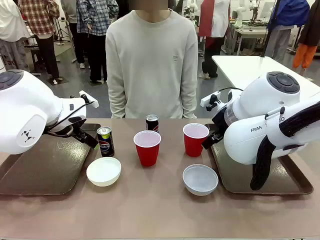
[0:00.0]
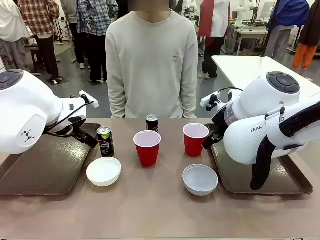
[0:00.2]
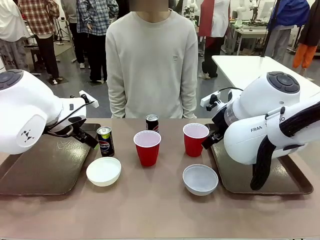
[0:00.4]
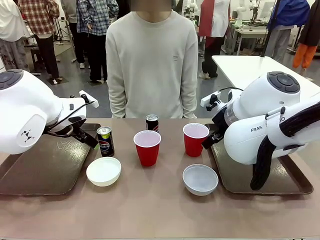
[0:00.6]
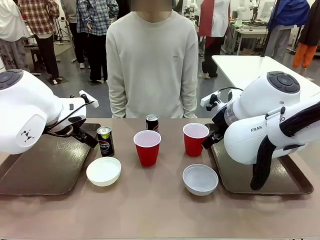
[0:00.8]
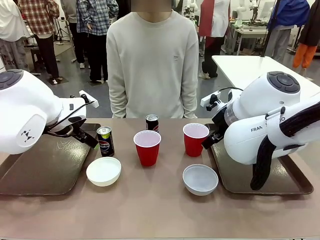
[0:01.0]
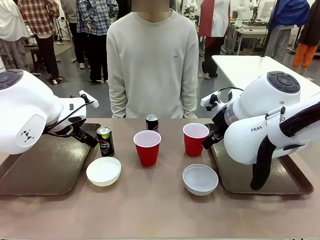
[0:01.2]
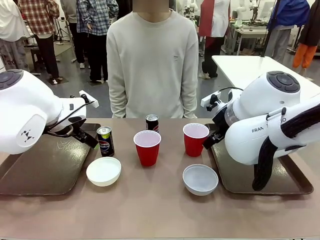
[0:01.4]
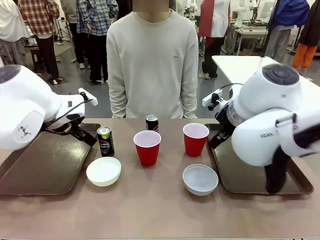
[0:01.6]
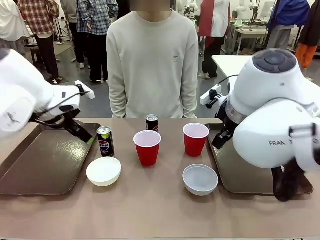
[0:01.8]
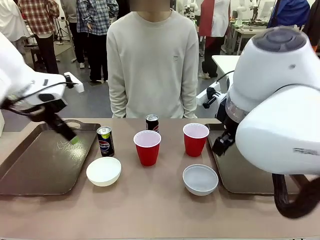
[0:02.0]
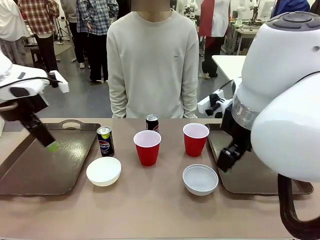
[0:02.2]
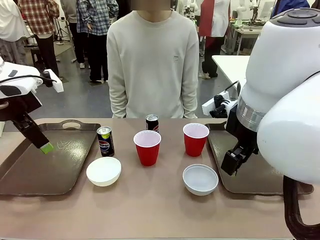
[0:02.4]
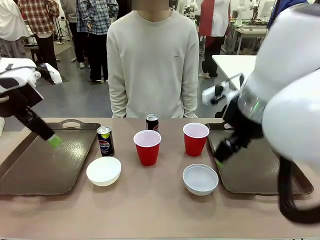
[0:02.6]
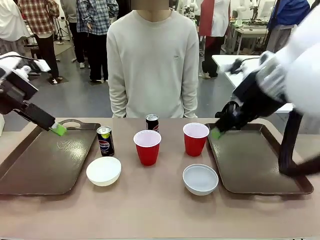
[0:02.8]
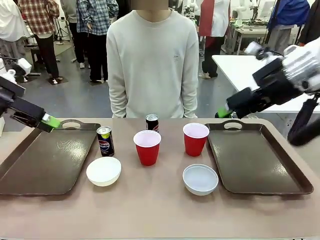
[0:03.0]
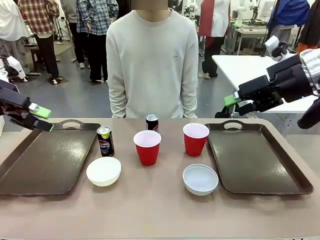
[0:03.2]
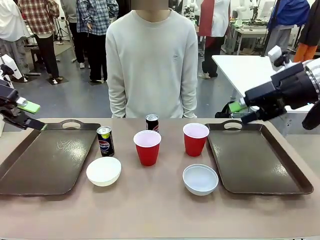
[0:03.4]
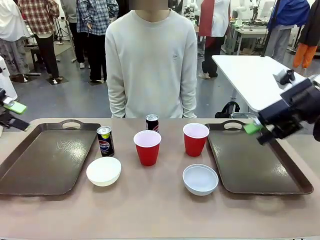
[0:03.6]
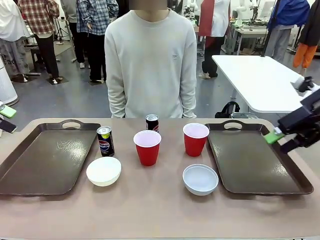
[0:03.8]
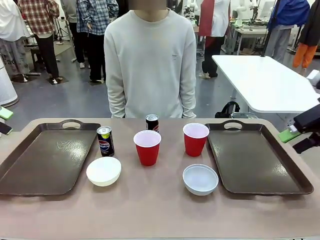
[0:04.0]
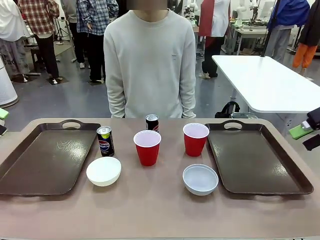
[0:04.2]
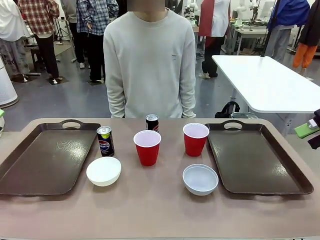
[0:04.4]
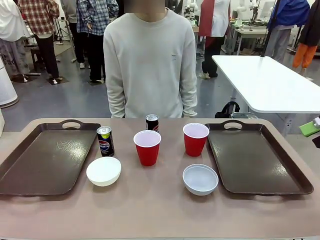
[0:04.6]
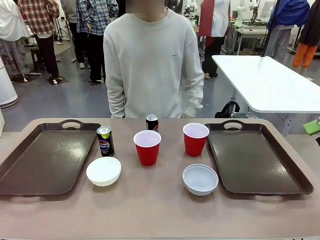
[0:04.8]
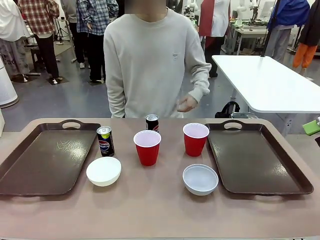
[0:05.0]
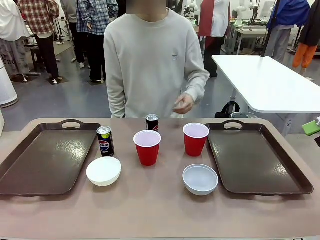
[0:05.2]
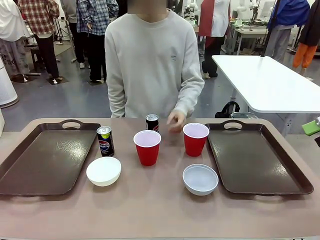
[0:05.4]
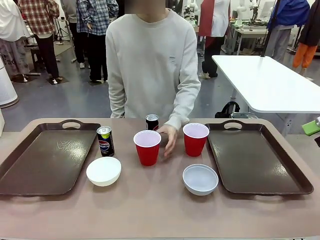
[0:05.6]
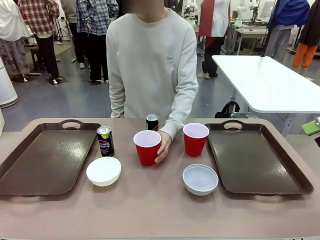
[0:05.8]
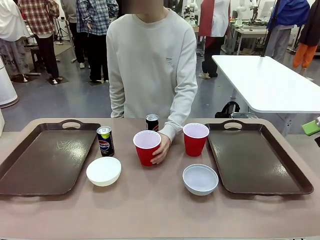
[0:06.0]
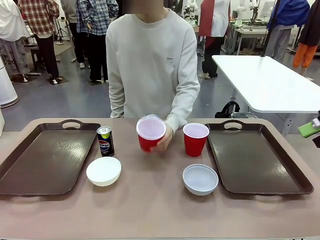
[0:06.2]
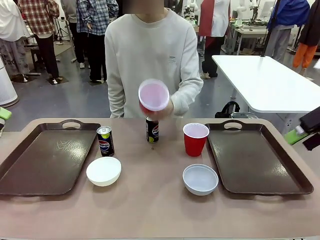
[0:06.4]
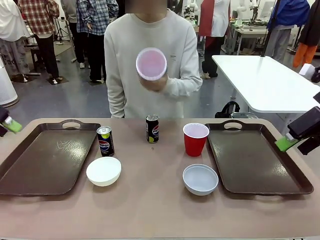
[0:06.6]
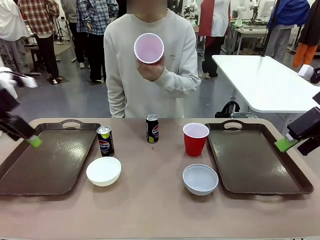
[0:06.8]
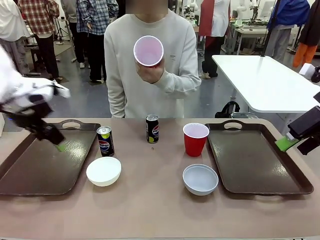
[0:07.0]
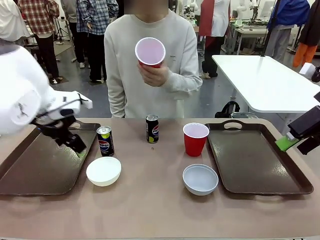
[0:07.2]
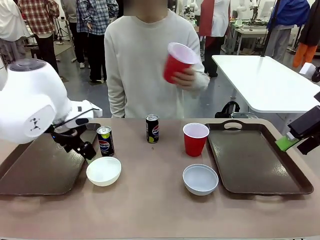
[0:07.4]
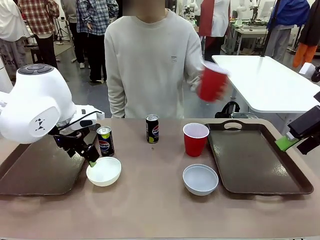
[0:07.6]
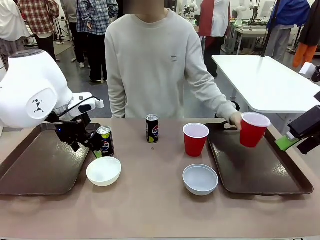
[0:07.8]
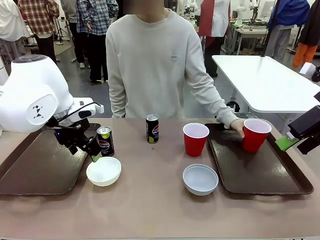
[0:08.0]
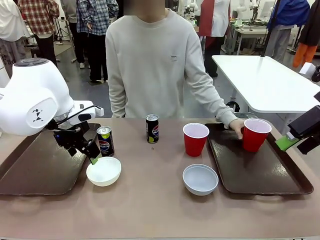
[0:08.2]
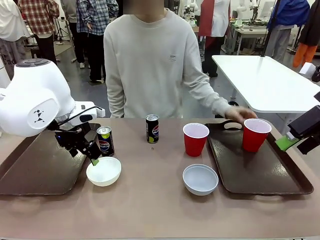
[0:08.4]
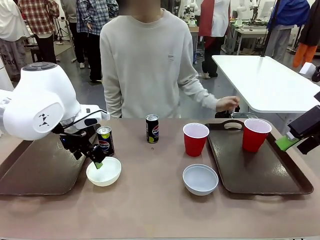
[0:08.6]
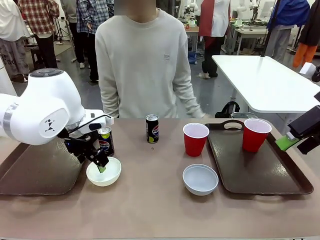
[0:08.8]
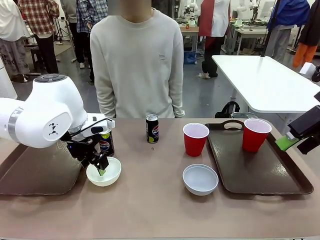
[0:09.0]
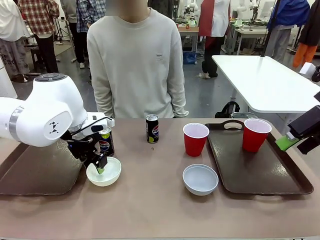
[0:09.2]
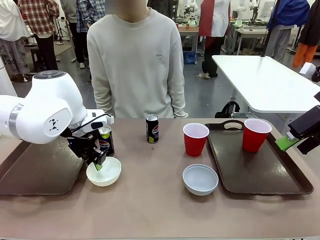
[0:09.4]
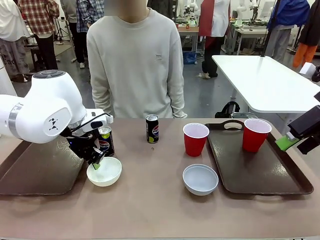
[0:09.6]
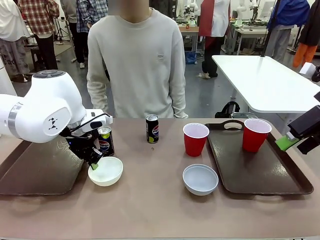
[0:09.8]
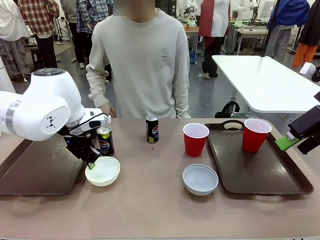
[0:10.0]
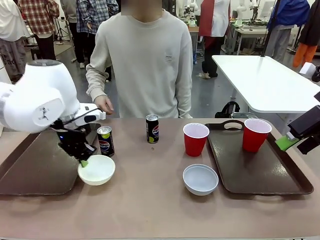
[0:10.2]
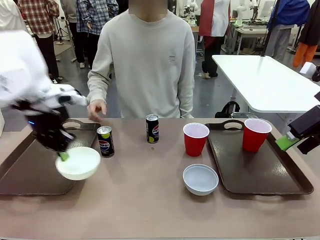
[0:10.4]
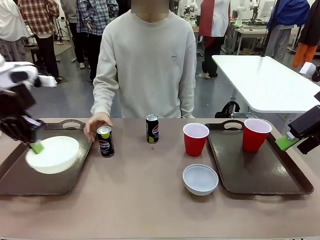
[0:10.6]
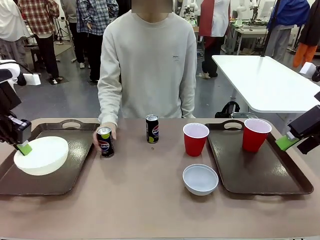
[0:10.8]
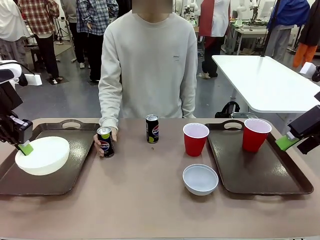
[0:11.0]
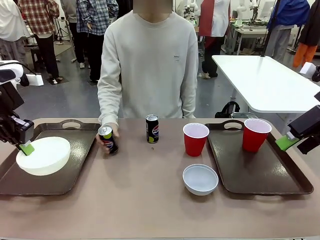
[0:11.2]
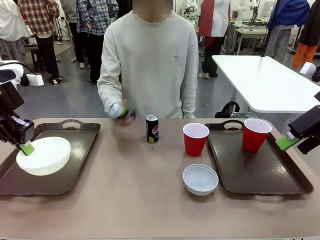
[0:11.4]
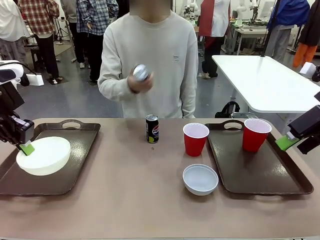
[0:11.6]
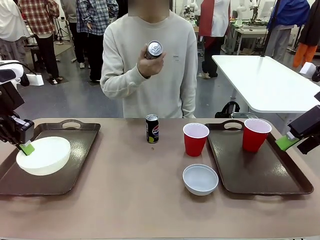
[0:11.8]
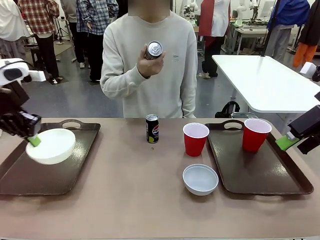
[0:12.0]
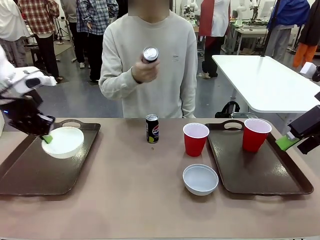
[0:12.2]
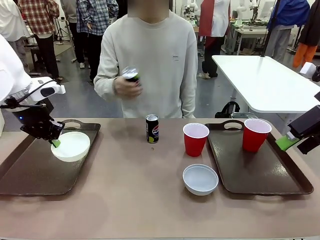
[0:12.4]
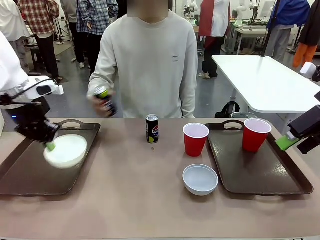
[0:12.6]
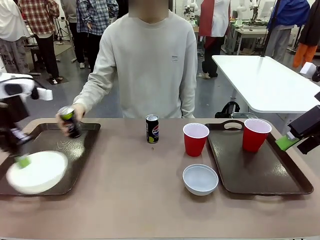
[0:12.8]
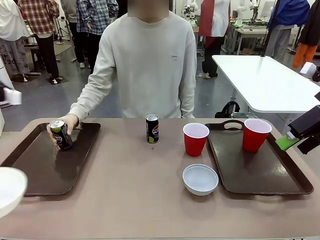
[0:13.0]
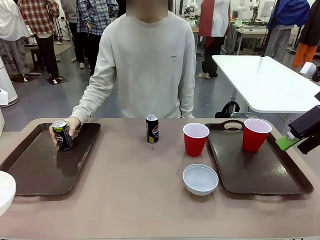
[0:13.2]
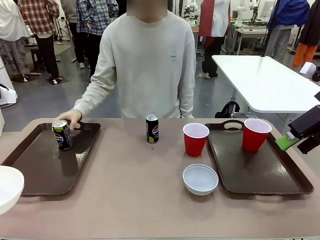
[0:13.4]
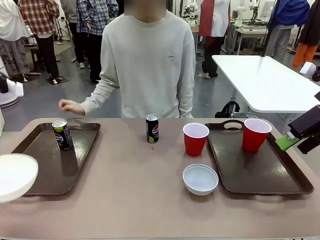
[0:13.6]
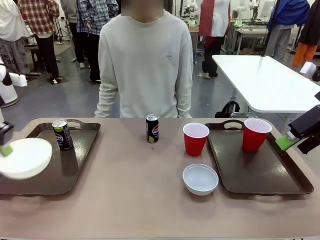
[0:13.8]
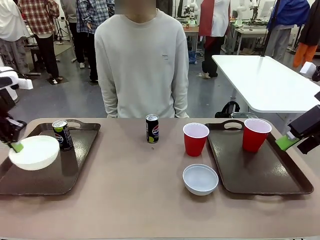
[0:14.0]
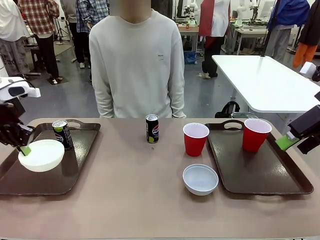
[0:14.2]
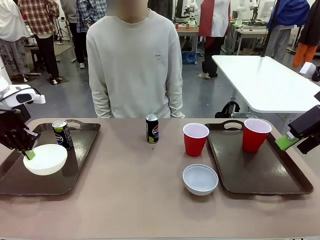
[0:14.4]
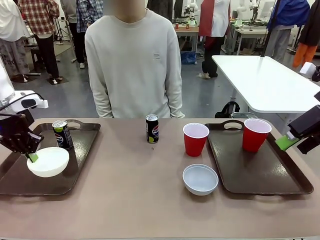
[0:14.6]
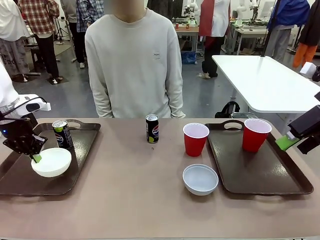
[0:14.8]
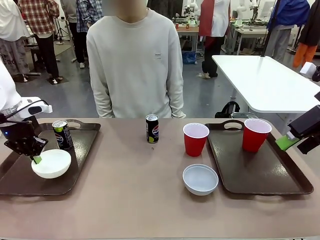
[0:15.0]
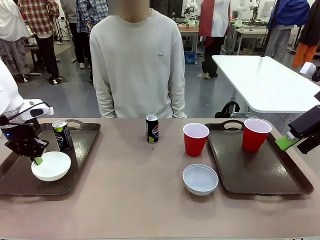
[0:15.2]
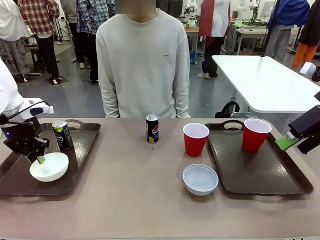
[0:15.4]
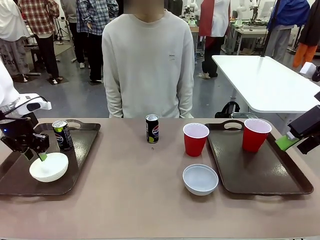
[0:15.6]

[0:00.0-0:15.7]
Task: Prepare tableware on both trays.
Robot: Pick up a Picnic Bowl from the table and place it on a Handle tray.
Person: Pick up a can or cup and place it on the tray.
